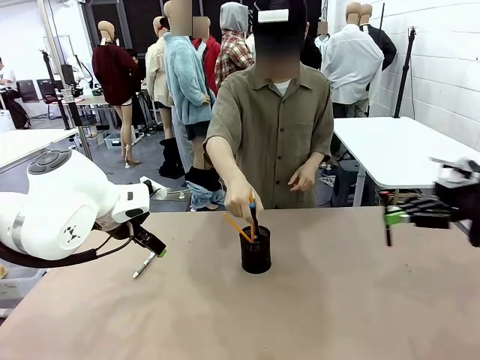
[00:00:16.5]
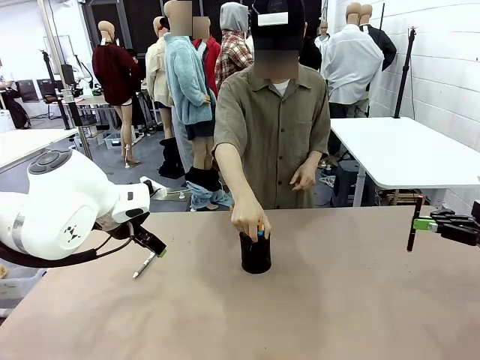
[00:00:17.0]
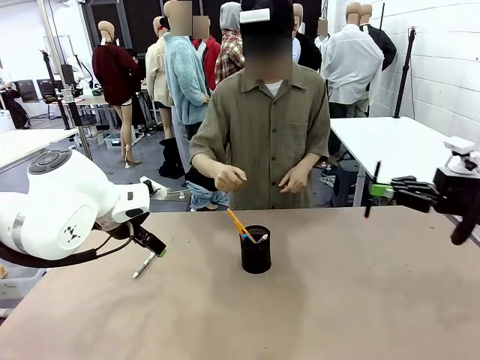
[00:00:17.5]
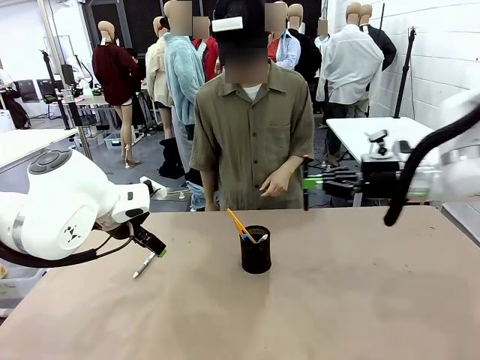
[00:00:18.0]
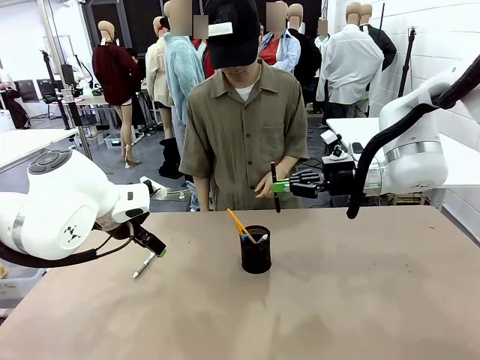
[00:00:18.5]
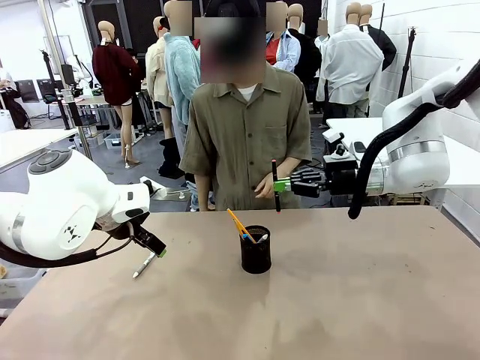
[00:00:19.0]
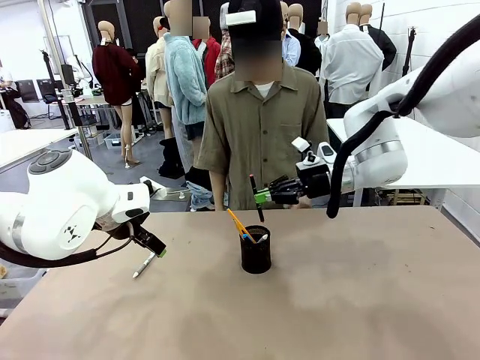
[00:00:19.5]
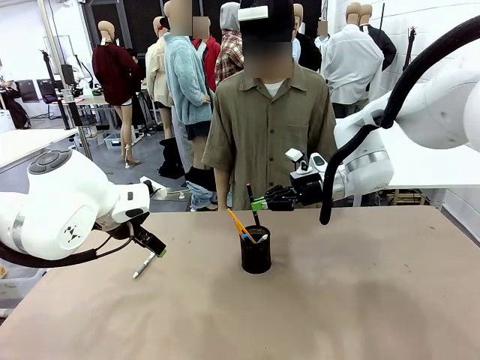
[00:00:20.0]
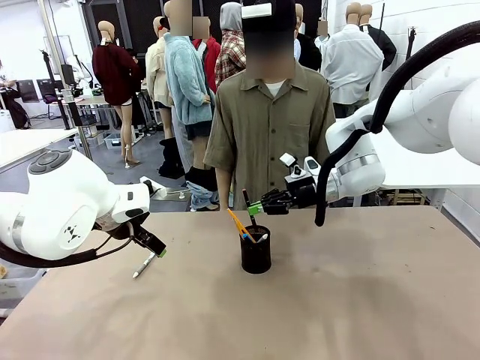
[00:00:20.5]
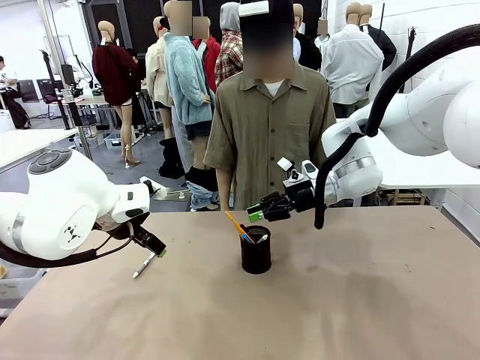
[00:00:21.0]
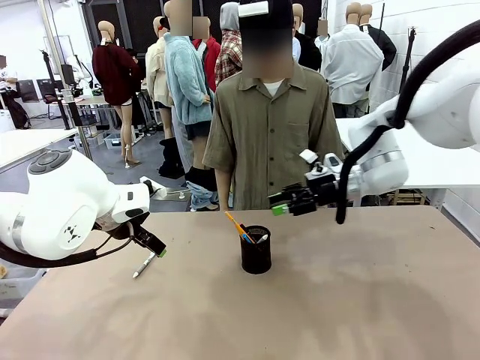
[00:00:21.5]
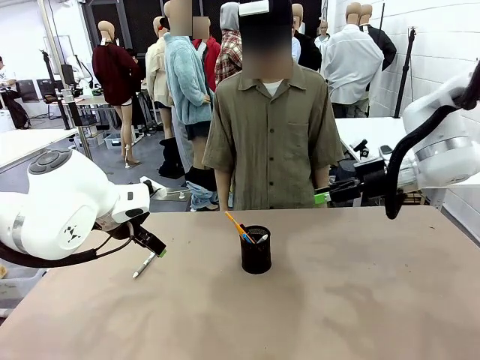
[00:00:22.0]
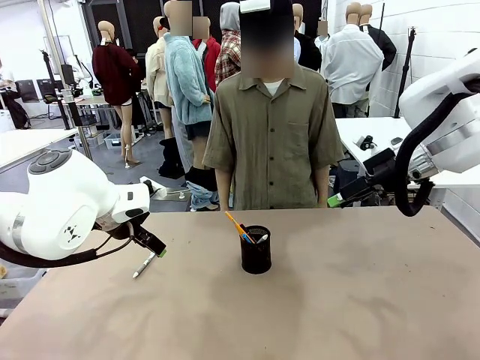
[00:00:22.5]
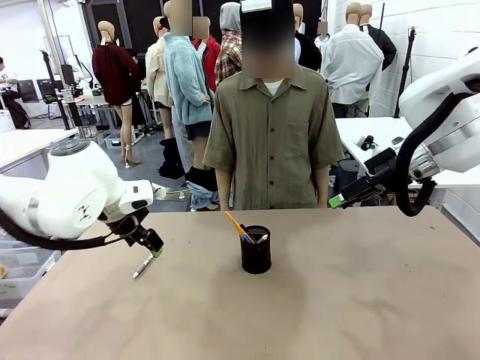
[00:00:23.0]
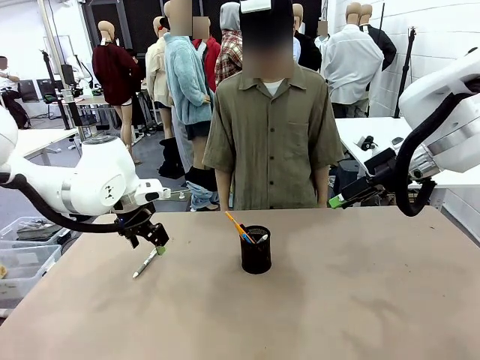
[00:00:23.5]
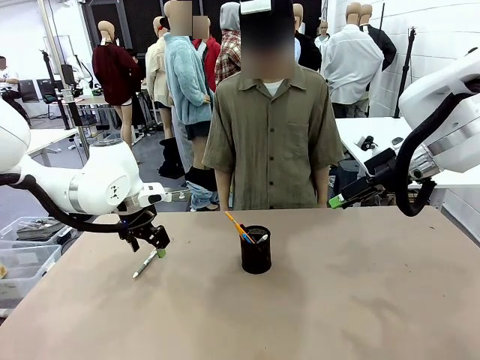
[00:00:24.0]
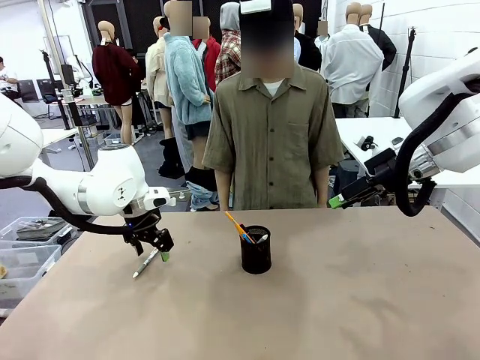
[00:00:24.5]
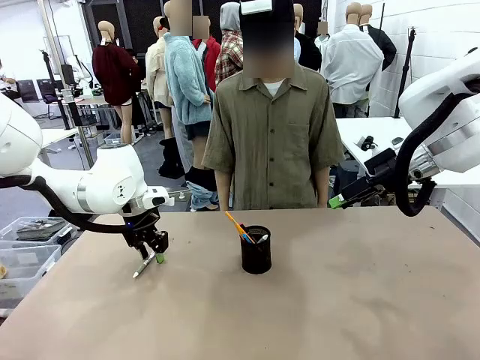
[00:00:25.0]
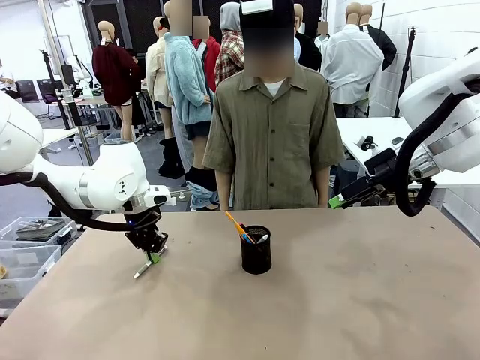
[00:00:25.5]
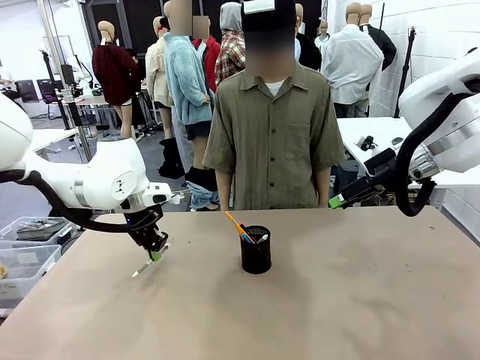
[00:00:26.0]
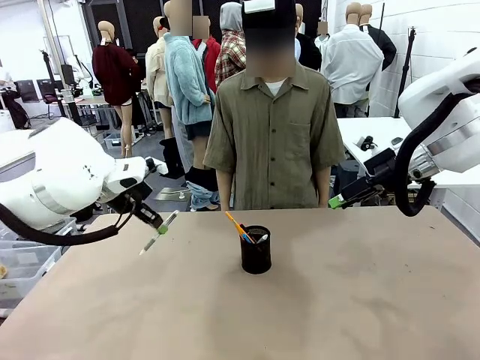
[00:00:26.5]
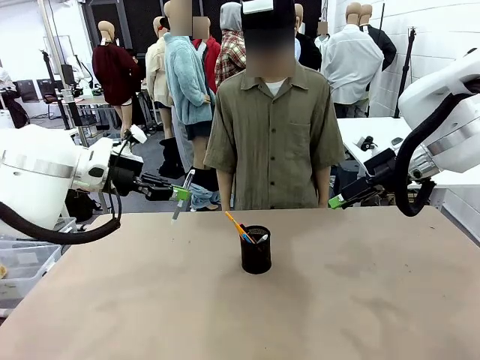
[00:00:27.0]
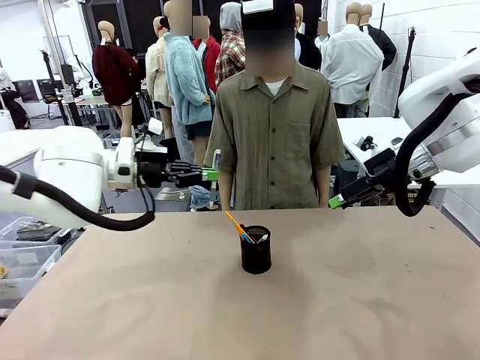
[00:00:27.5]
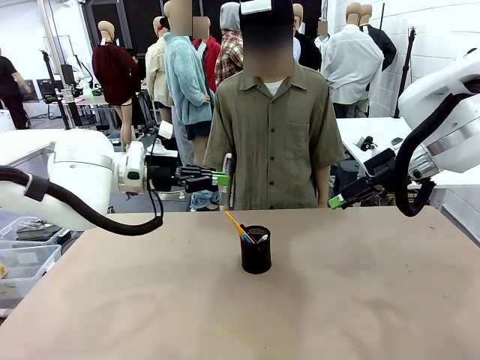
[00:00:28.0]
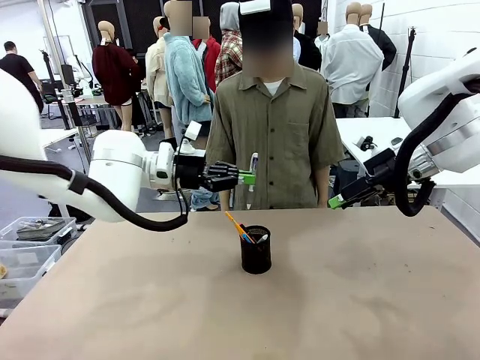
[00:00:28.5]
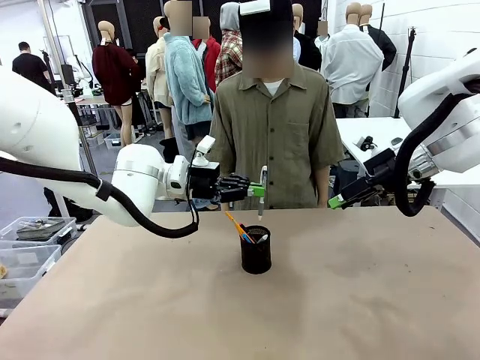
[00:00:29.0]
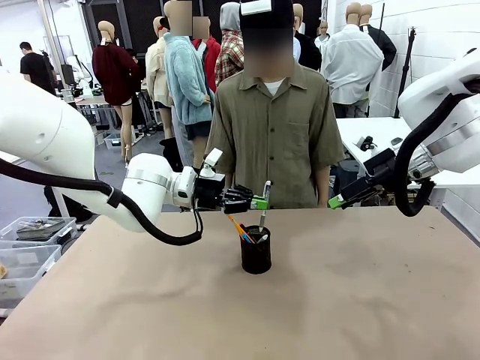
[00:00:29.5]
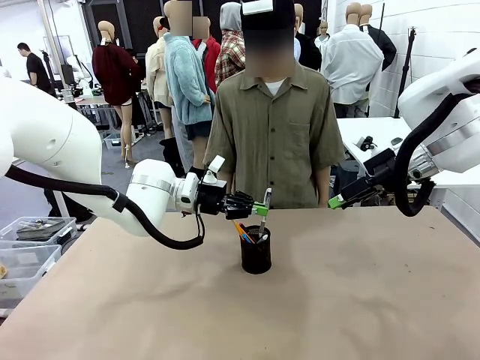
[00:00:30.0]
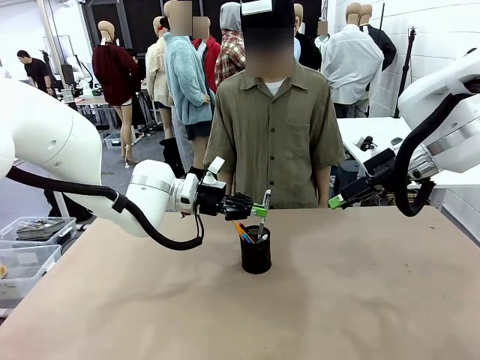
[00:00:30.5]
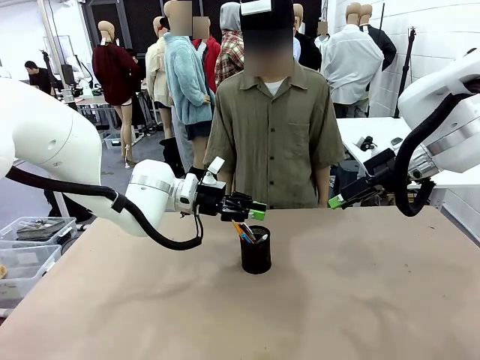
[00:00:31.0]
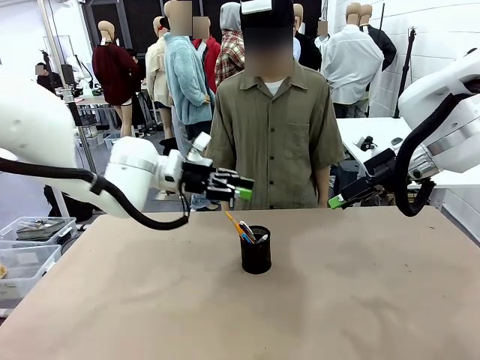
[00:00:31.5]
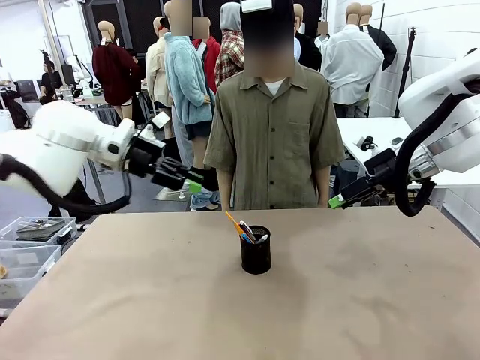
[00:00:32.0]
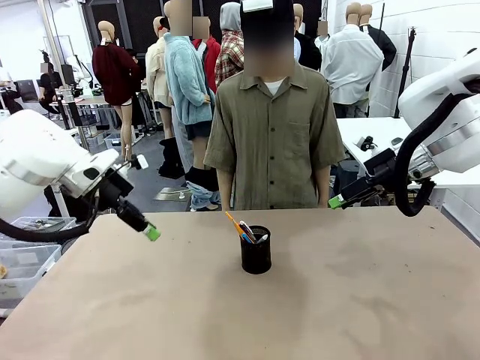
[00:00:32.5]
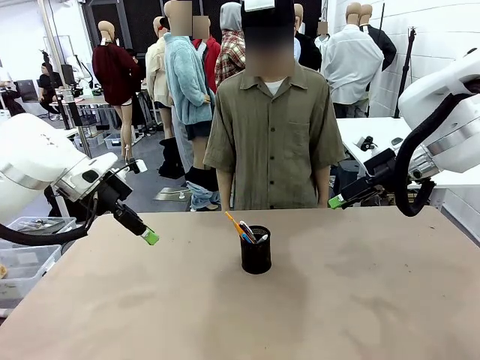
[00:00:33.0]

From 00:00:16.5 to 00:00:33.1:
Task: Place the pens into the pen holder.
Robot: Pick up a writing instrument from the table and place it into the Pen holder.
Person: Place all writing instrument into the Pen holder.
